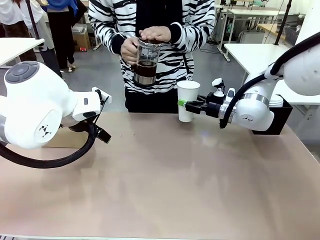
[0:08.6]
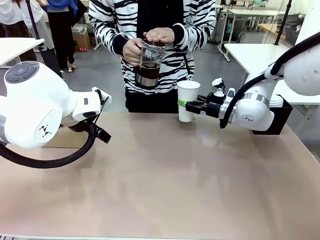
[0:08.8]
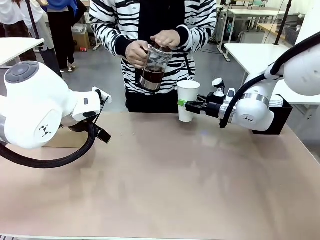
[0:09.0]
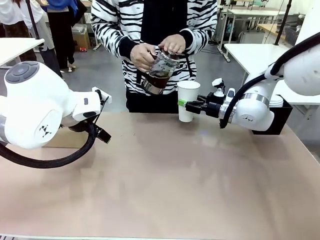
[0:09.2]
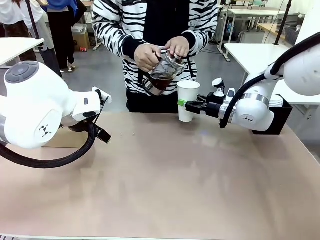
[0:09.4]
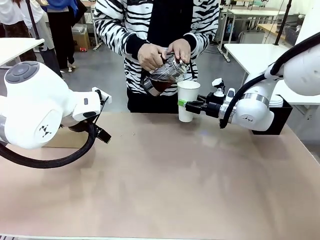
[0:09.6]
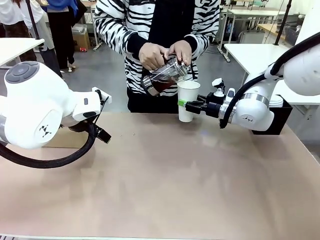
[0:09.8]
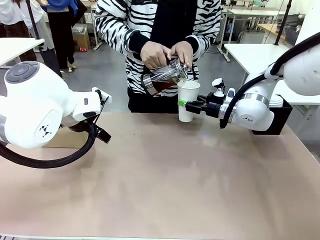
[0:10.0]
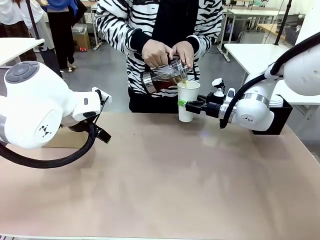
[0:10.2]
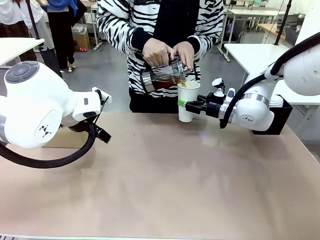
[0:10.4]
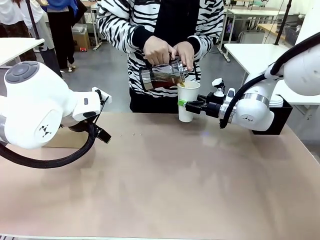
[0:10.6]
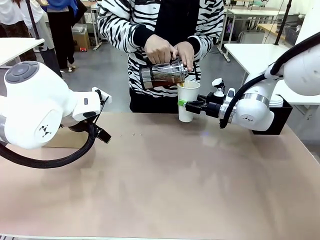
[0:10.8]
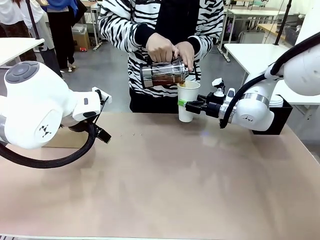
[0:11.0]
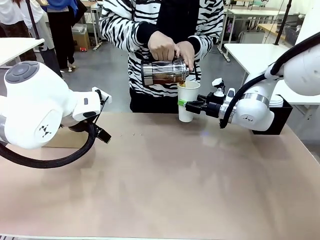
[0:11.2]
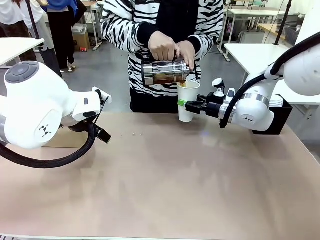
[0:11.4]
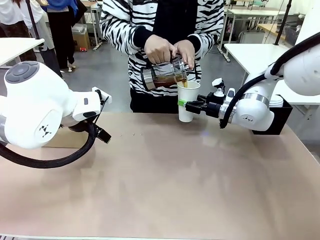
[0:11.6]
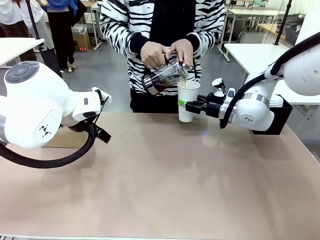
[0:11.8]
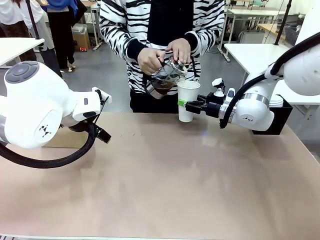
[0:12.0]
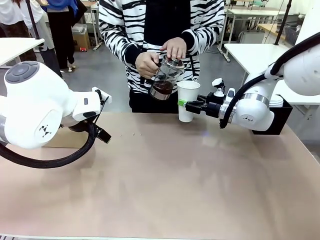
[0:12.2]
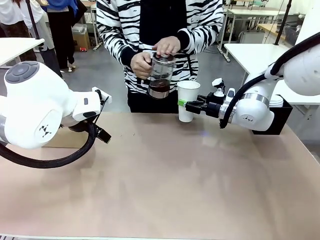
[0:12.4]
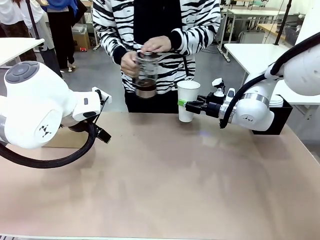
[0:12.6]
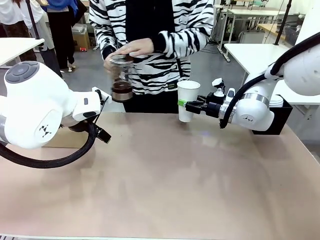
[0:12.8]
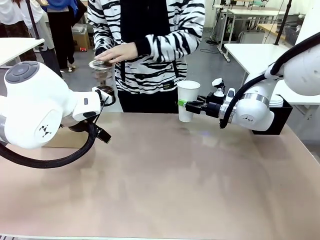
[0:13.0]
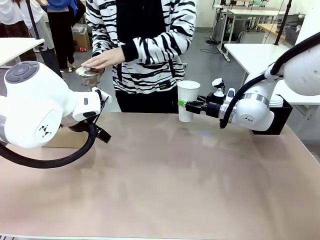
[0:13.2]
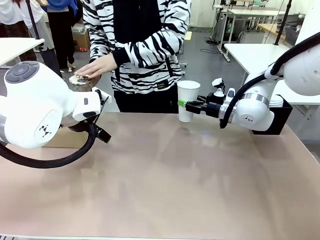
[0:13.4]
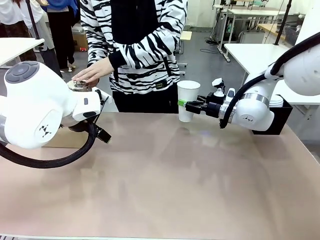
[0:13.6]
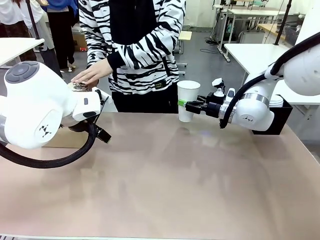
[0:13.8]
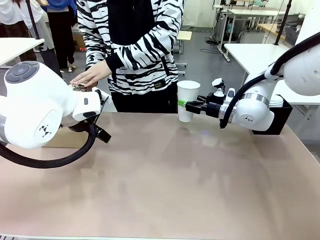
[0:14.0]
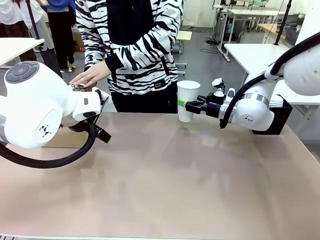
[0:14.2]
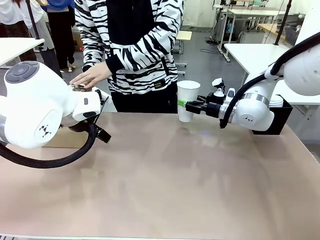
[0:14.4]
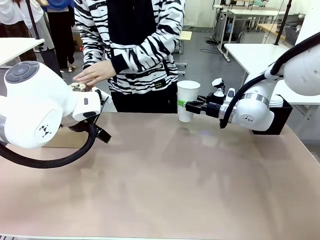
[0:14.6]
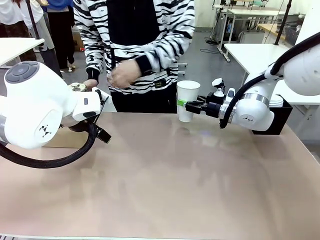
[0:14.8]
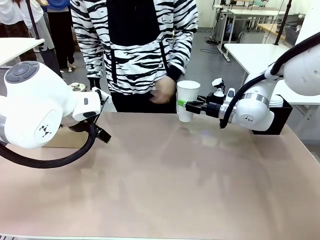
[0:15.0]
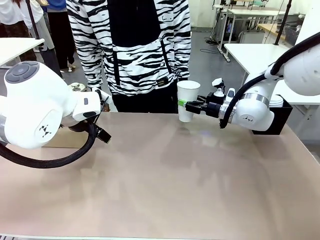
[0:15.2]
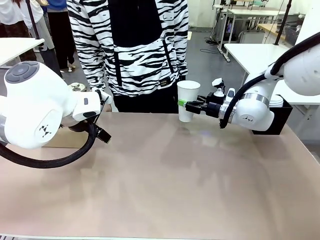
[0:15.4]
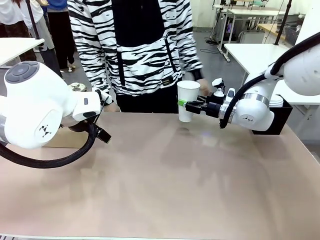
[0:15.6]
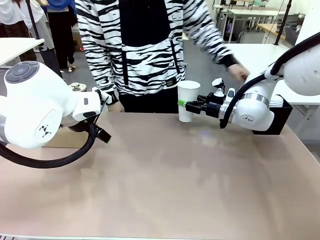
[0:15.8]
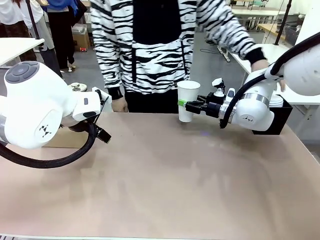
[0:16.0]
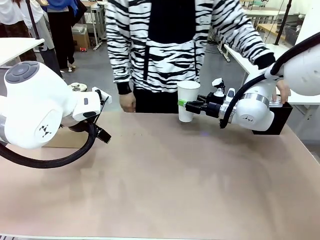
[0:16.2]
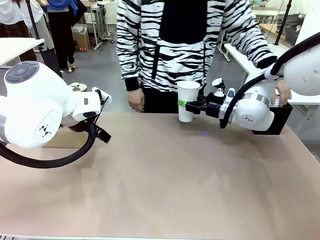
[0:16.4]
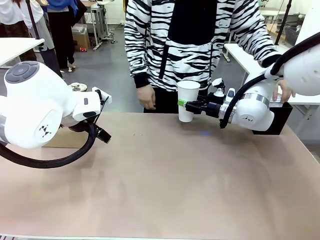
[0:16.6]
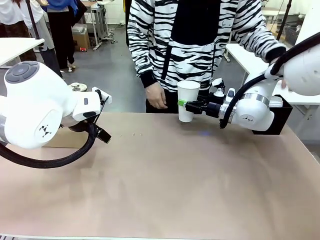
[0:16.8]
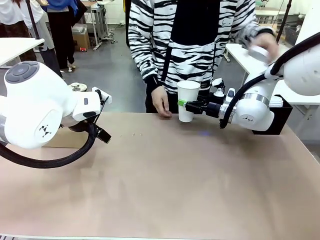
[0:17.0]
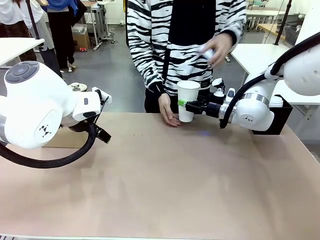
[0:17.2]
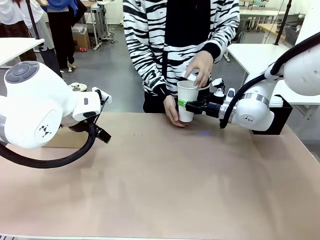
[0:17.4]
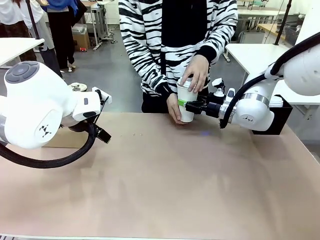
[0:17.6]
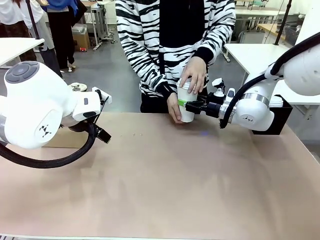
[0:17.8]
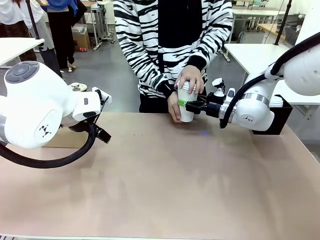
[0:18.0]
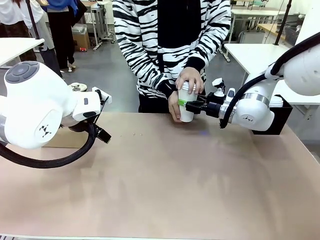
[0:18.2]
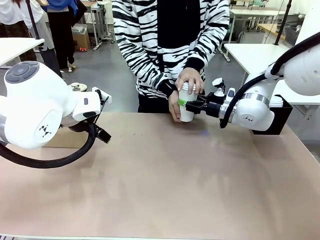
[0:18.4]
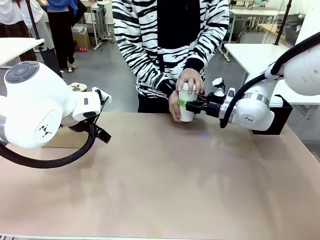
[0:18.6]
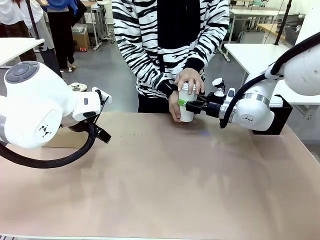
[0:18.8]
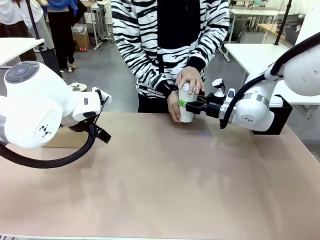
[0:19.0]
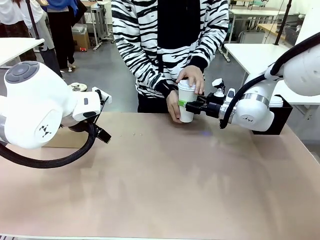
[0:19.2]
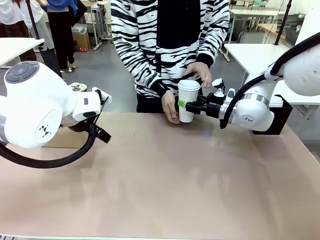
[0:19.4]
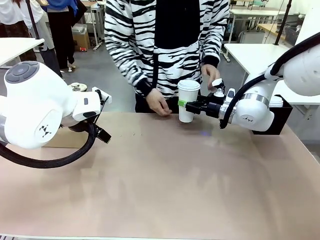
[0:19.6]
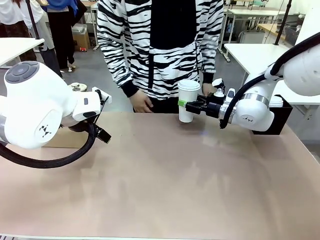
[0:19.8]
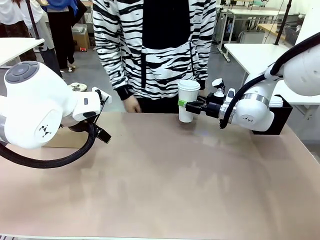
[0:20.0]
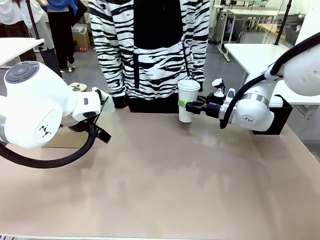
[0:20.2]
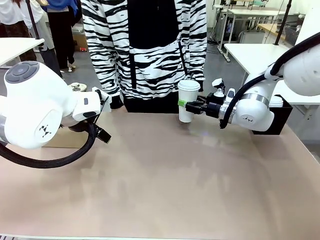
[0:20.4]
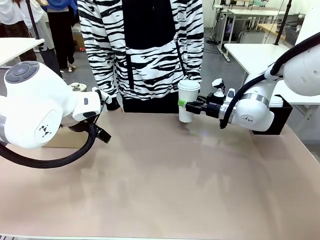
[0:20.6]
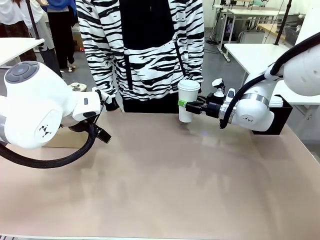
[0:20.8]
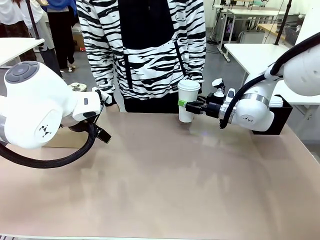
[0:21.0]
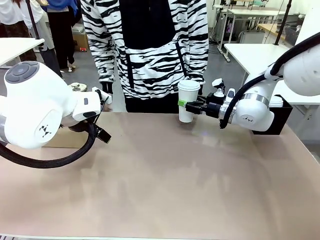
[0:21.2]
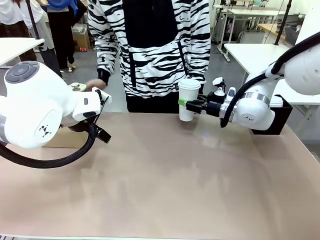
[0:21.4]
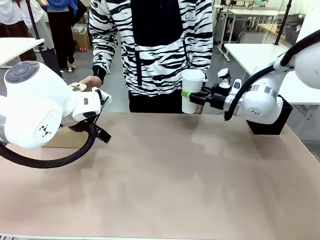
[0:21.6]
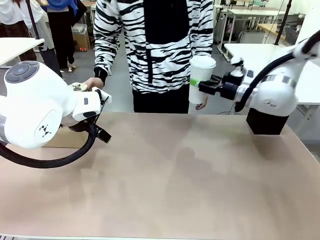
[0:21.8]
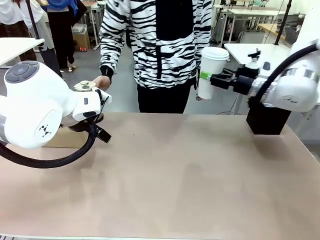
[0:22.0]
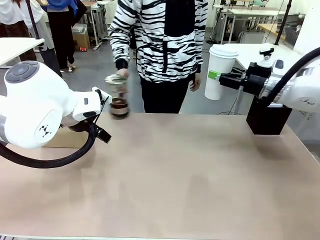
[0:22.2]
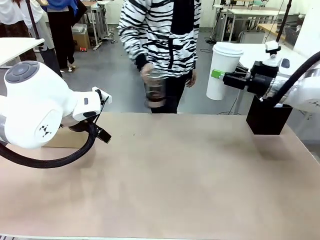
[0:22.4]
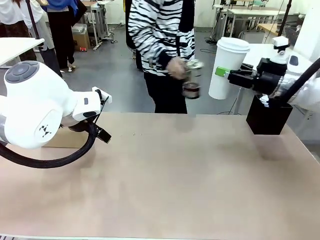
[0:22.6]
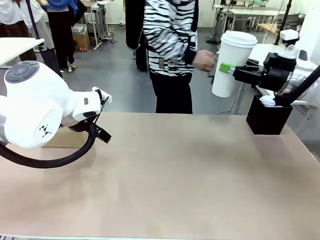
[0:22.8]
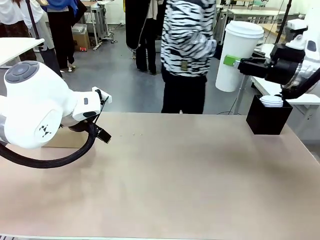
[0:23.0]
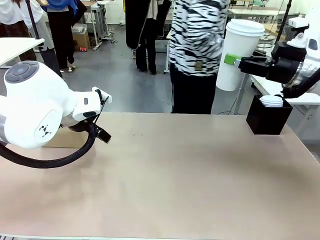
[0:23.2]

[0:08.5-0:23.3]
Task: Pour a drink into a cup and package it in a carrier.
Robot: When a person places the Paper Cup Lid on the 600 ml Paper Cup , lift the 600 ml Paper Cup.
Person: Pour the drink from the Filter Brewing into the 600 ml Paper Cup. Place a Paper Cup Lid on the 600 ml Paper Cup.

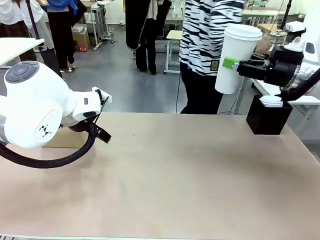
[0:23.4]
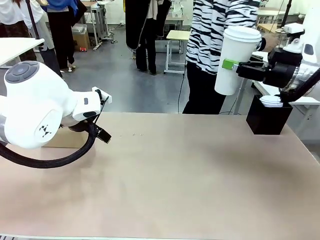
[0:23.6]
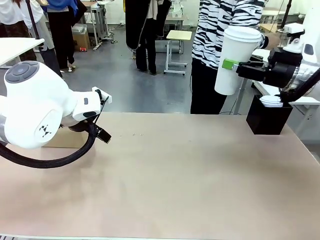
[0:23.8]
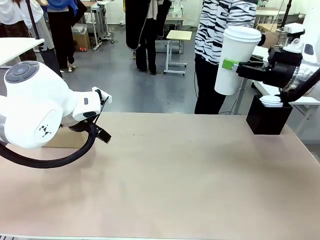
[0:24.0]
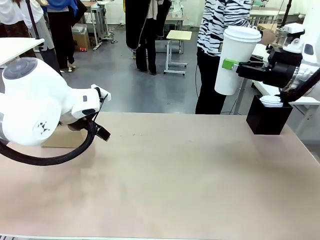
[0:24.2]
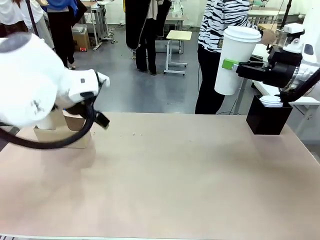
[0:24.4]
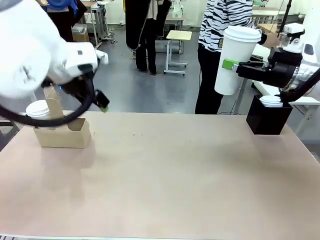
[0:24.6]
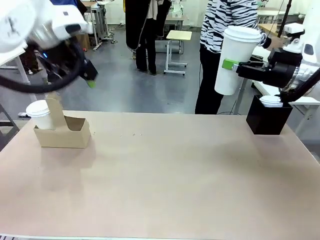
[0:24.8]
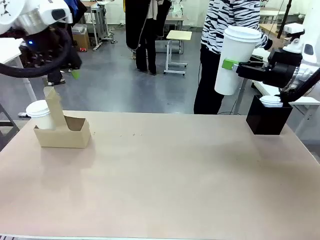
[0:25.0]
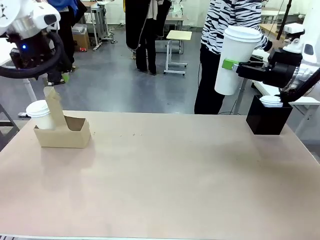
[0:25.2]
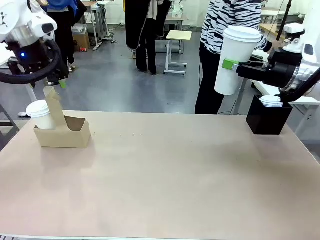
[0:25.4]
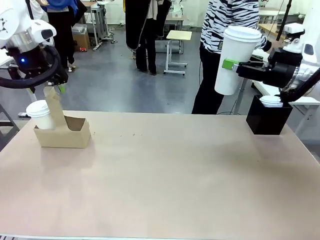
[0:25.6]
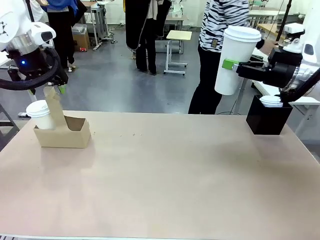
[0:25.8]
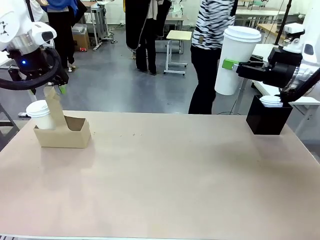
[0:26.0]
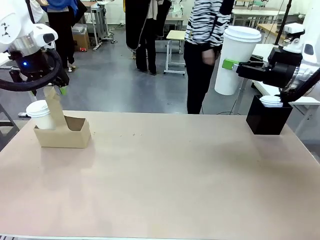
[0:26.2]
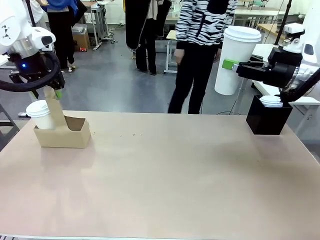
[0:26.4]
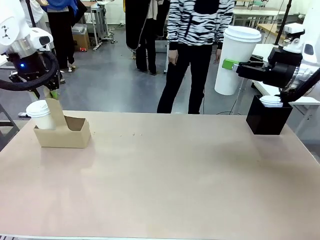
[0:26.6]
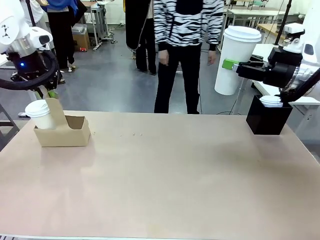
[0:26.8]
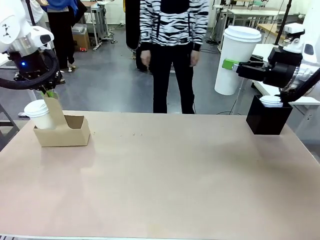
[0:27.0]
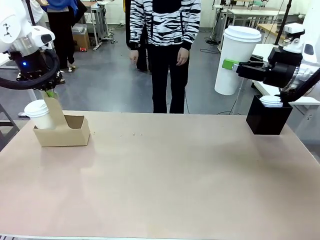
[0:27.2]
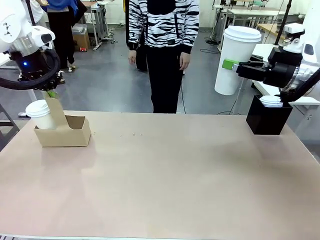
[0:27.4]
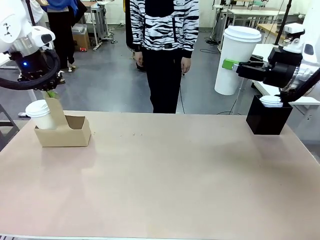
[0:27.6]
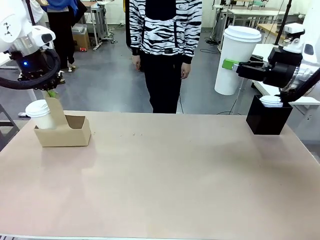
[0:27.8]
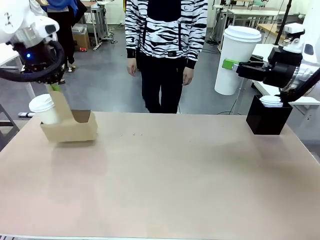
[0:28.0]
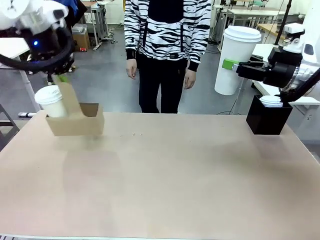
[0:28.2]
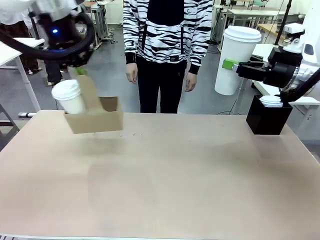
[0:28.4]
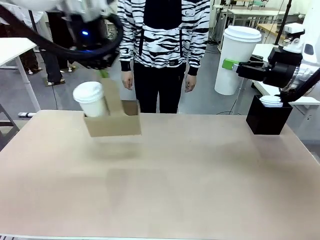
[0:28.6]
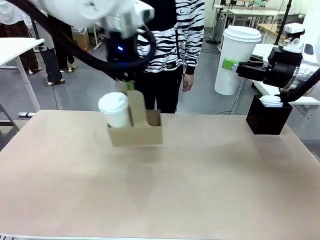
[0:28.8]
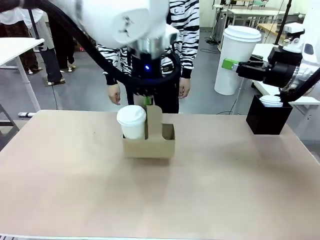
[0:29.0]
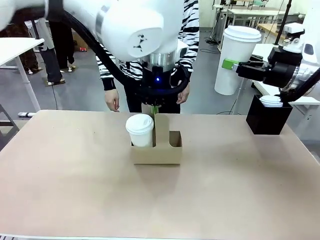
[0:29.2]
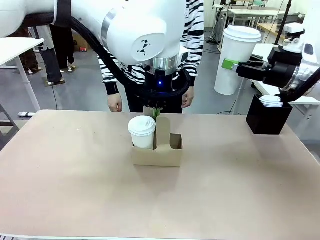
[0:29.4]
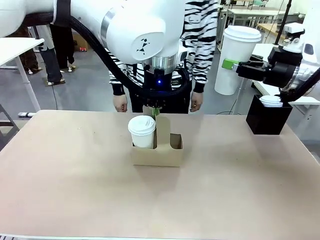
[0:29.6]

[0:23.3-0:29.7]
Robot: Position the Cup Carrier in the center of the table.
Person: Pick up the Filter Brewing and place on the middle of Human table, and return to the Robot table.
